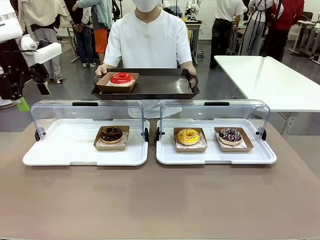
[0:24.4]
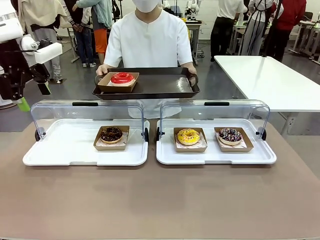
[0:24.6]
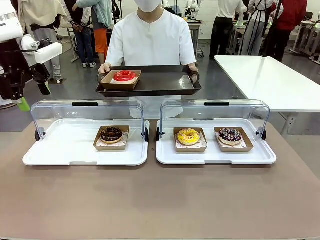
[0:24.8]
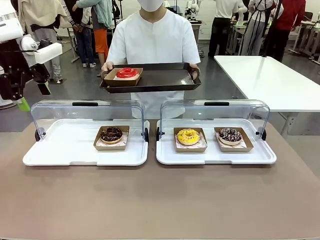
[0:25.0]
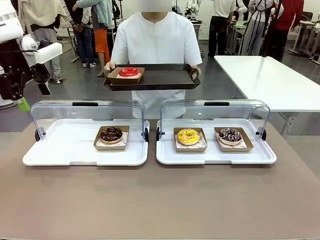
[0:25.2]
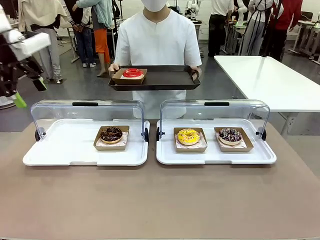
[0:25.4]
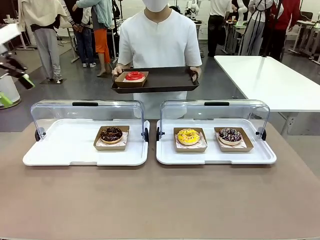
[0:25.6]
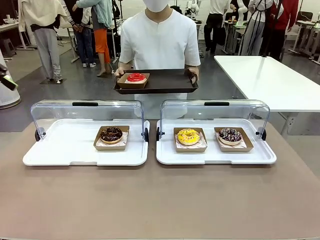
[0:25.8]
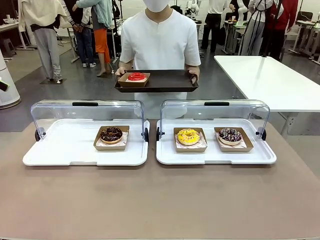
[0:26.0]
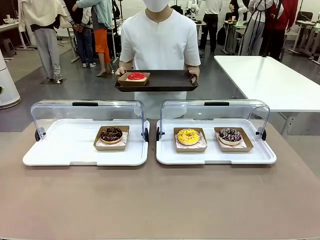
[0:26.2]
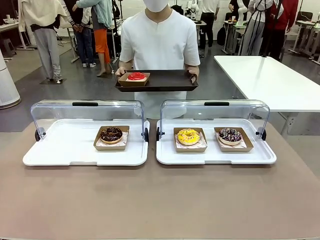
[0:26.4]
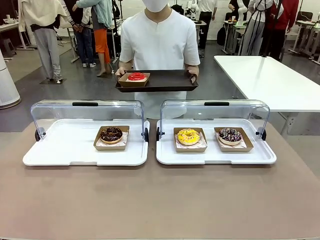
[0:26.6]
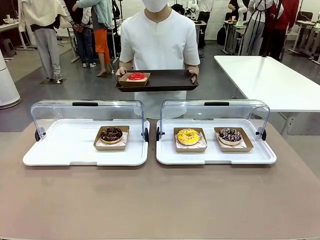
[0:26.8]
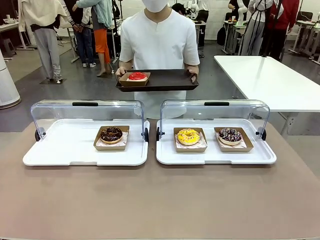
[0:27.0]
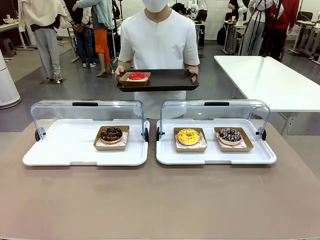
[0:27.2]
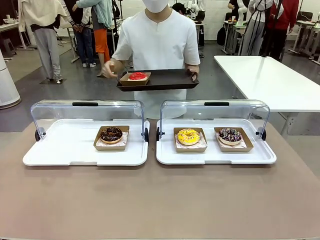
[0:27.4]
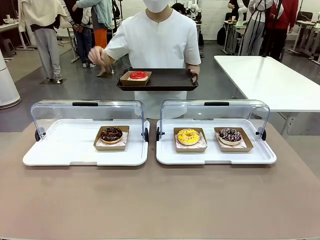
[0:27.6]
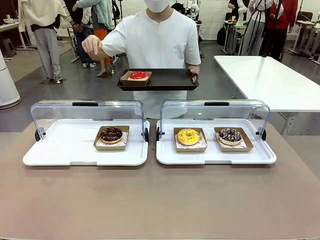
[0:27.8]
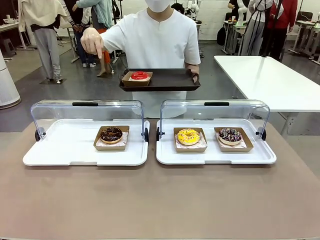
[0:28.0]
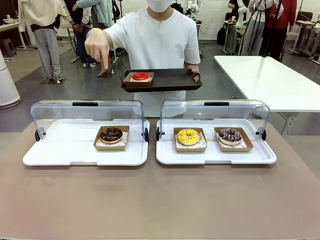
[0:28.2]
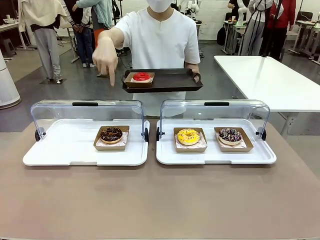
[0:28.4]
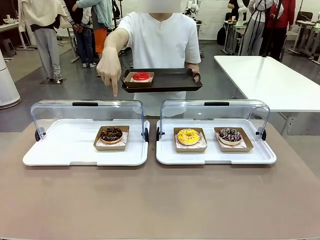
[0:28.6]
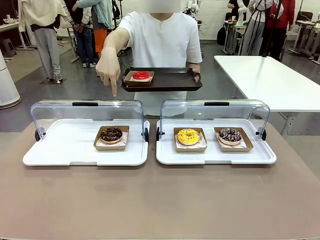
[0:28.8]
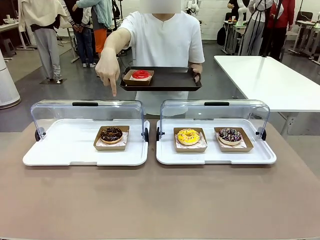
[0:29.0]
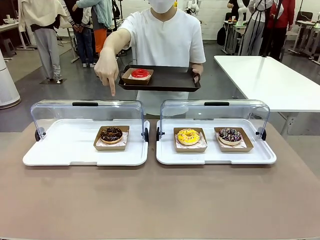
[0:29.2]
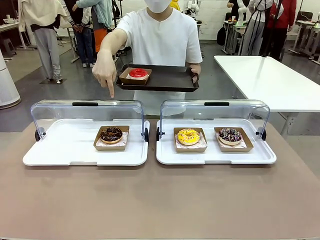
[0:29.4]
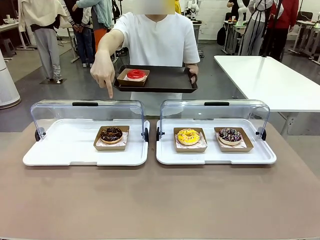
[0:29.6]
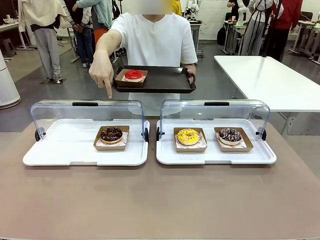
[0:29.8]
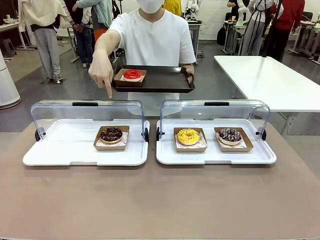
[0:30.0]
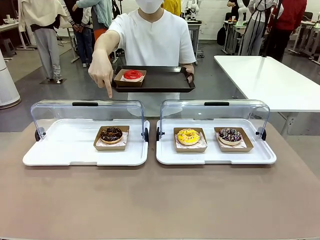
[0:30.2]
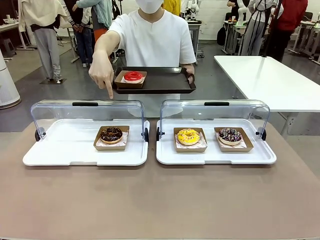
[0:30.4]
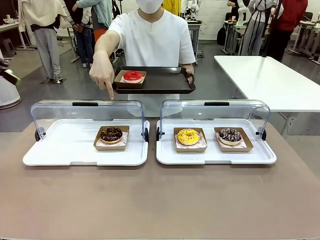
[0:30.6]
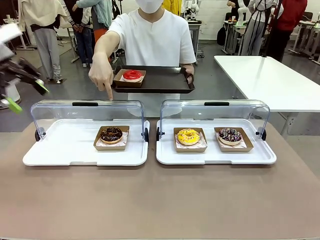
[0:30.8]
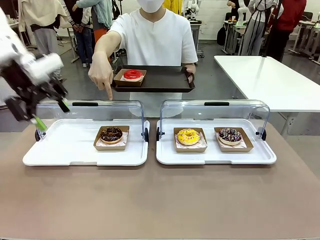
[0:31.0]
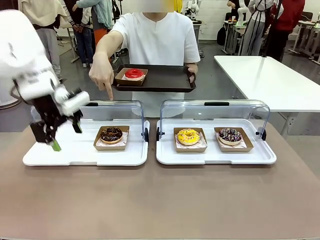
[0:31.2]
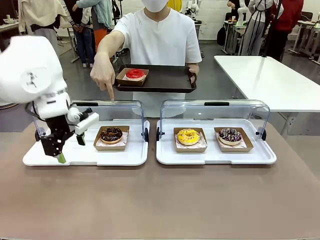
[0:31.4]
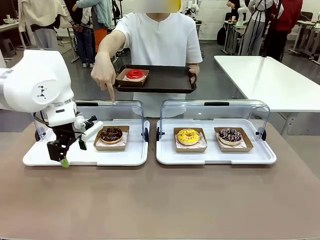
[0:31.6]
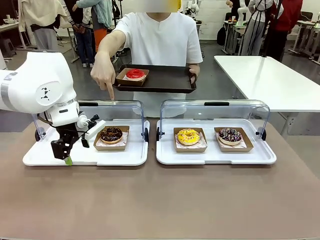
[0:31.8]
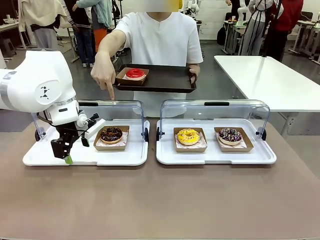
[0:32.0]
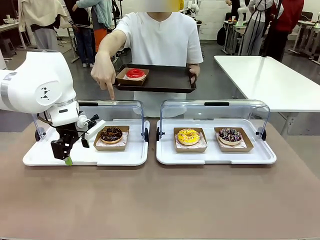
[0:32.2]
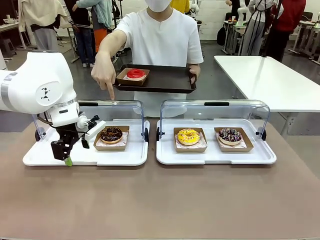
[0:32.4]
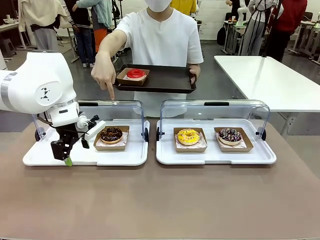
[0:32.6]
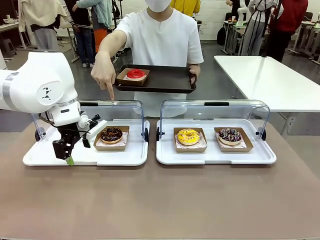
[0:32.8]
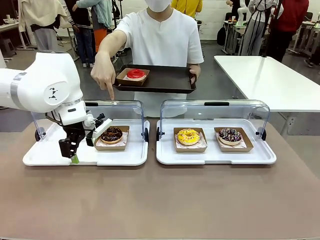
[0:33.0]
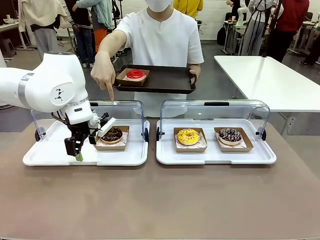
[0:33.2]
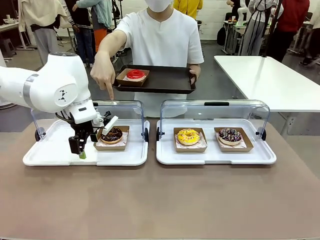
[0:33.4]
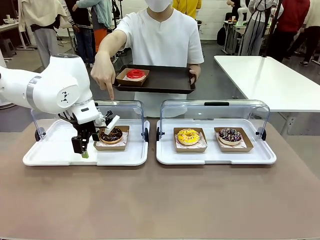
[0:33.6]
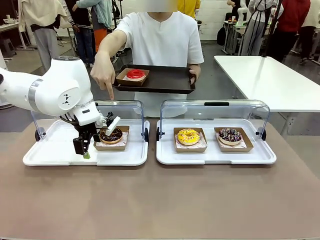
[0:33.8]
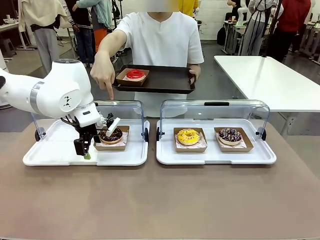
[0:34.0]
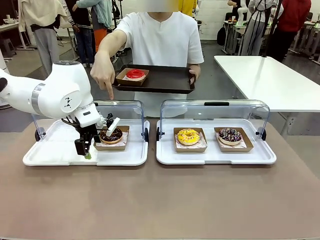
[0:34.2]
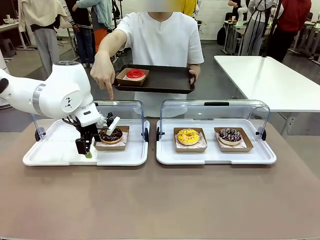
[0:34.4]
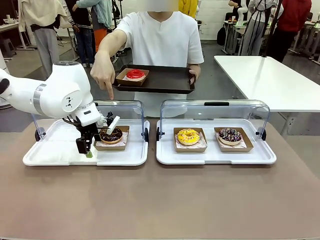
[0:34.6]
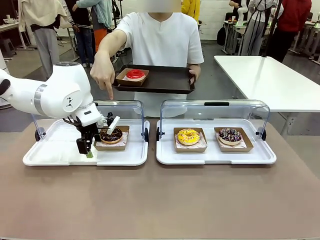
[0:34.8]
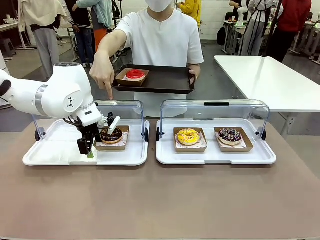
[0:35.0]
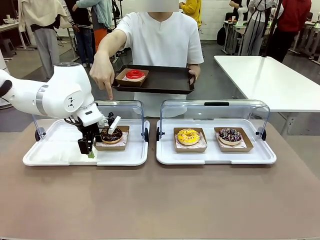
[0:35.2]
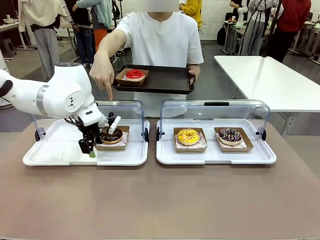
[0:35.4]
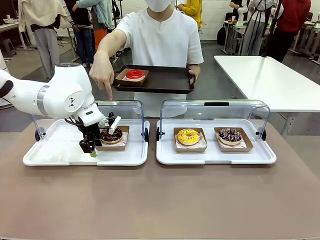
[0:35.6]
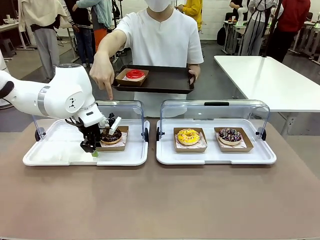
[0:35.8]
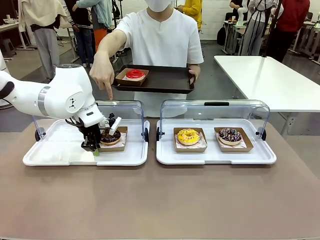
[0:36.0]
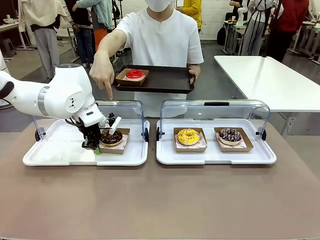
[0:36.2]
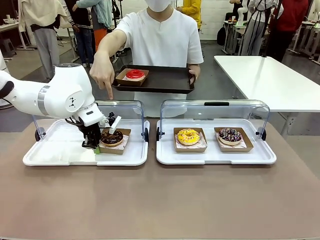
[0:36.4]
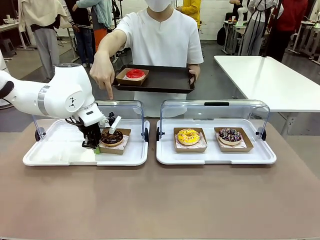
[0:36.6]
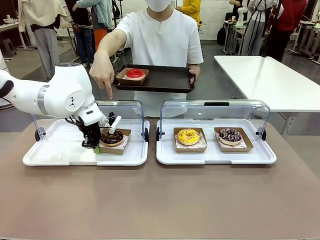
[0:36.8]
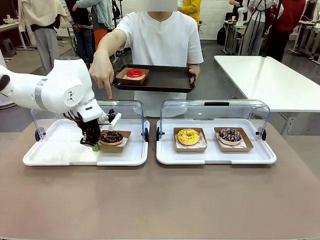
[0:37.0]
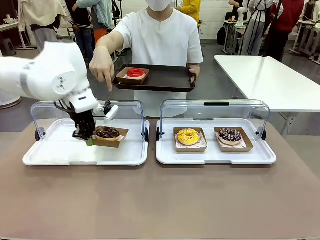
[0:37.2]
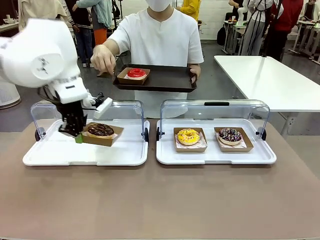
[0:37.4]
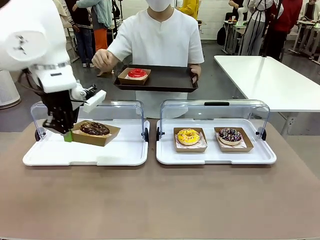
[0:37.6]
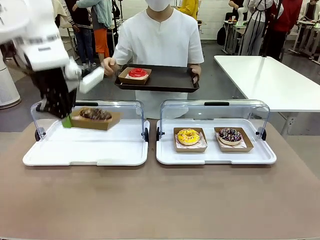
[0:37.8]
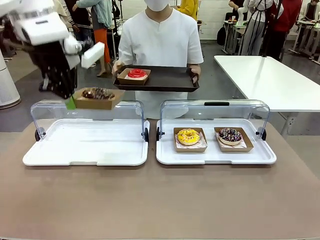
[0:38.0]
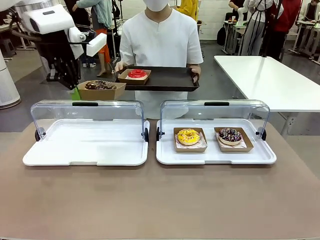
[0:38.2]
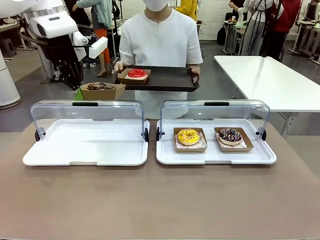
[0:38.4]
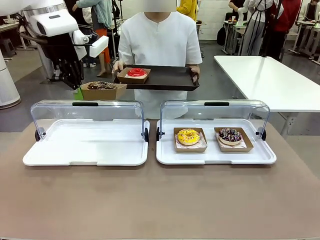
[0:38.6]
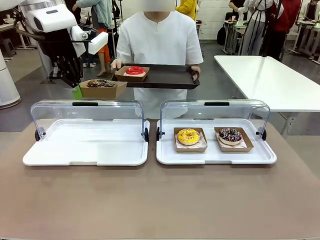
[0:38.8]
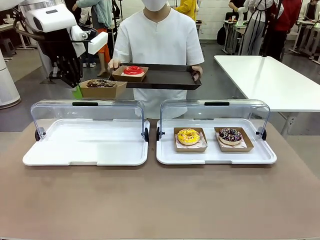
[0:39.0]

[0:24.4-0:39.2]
Task: Provide the desired donut to the person.
Robot: Pick up and lift the Paper togo box containing the Donut pointed at by the person.
Person: Point to one donut. Lift the tray onto the Roll-Top Bakery Case.

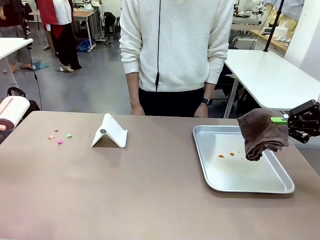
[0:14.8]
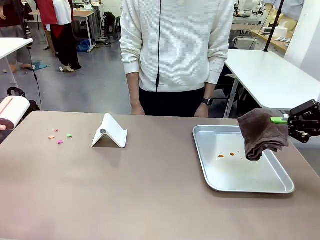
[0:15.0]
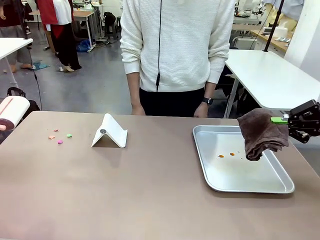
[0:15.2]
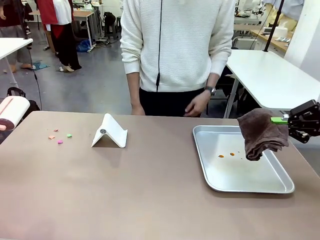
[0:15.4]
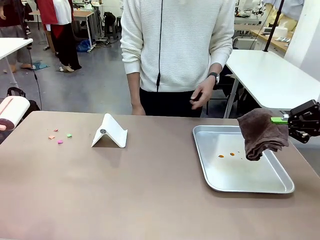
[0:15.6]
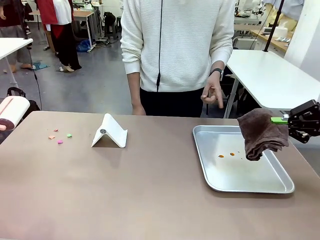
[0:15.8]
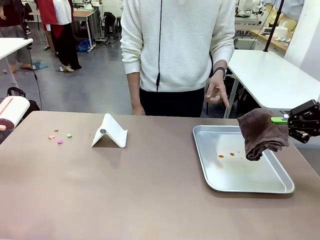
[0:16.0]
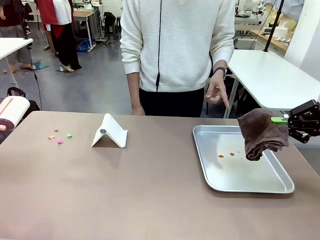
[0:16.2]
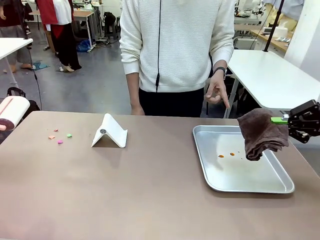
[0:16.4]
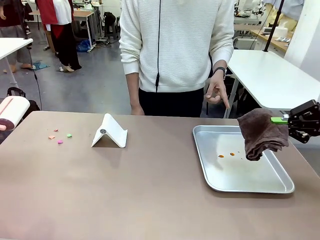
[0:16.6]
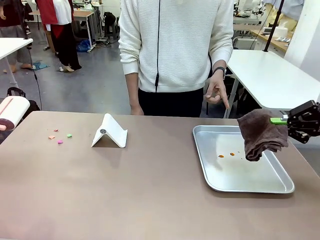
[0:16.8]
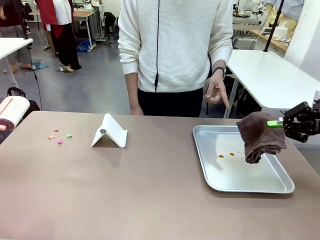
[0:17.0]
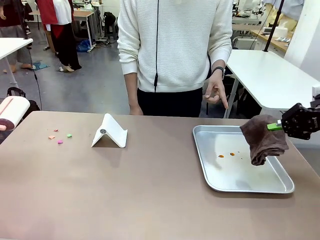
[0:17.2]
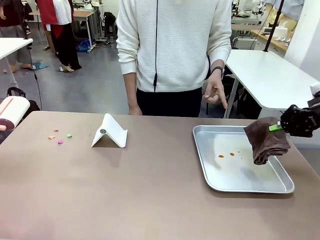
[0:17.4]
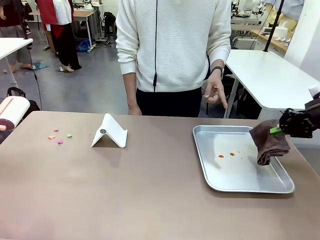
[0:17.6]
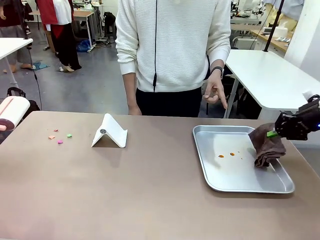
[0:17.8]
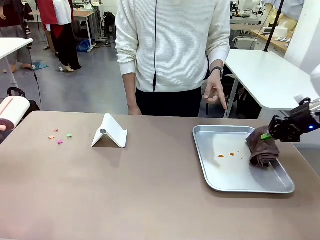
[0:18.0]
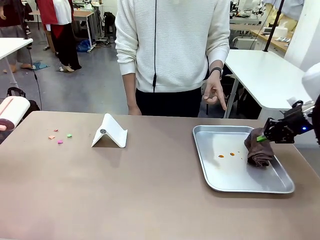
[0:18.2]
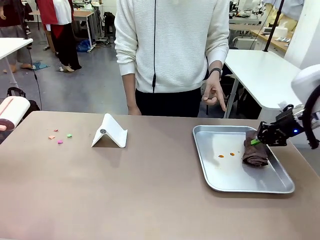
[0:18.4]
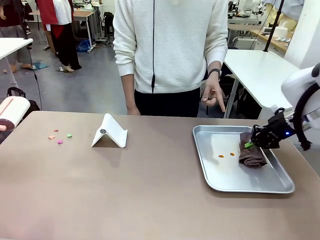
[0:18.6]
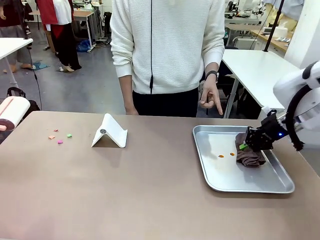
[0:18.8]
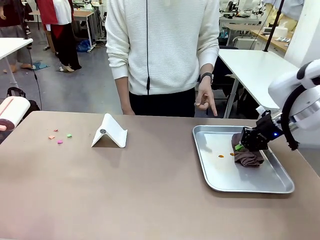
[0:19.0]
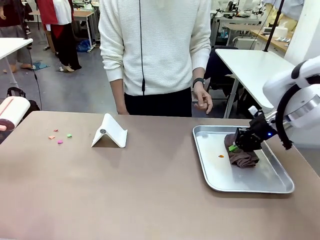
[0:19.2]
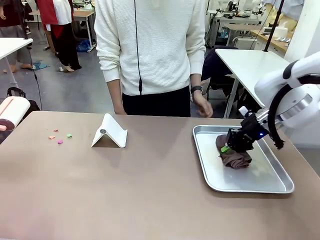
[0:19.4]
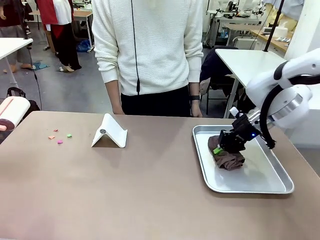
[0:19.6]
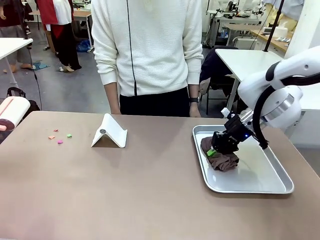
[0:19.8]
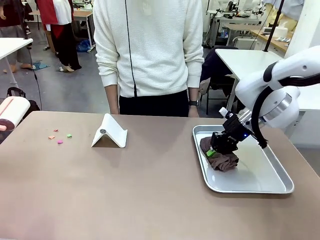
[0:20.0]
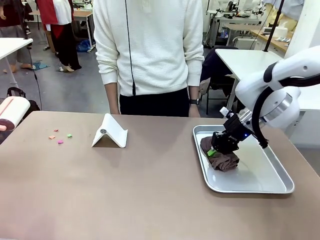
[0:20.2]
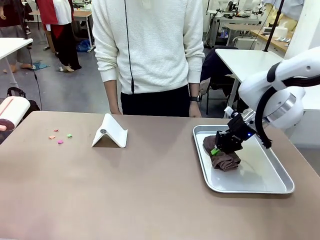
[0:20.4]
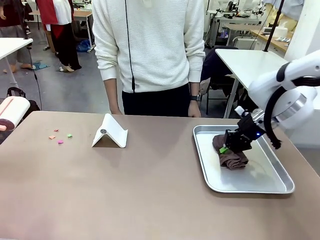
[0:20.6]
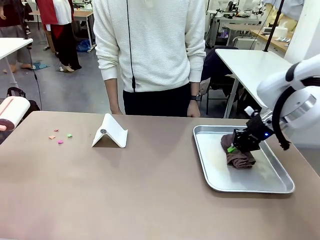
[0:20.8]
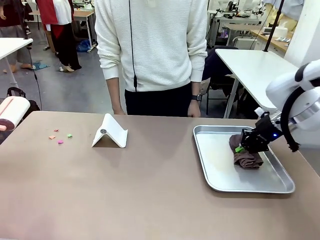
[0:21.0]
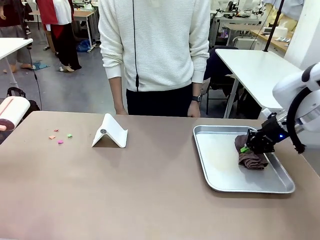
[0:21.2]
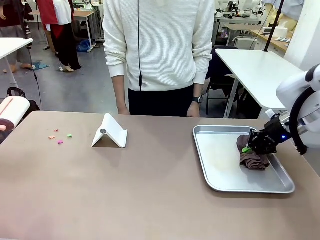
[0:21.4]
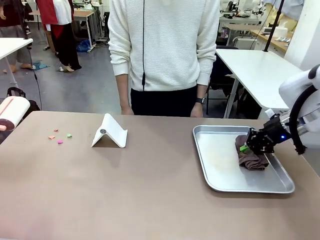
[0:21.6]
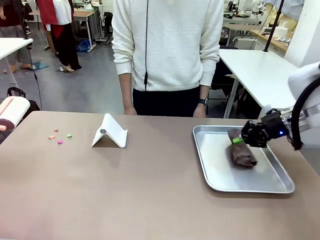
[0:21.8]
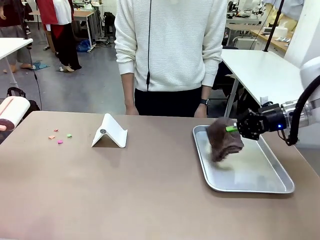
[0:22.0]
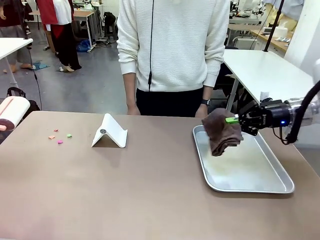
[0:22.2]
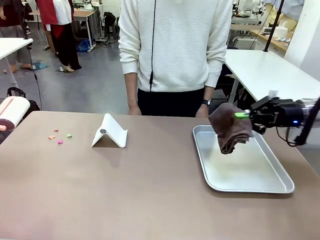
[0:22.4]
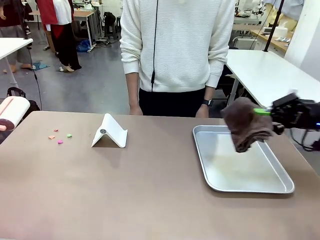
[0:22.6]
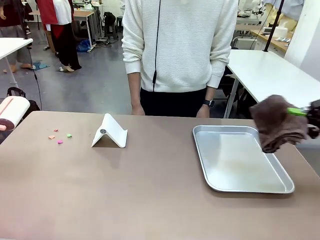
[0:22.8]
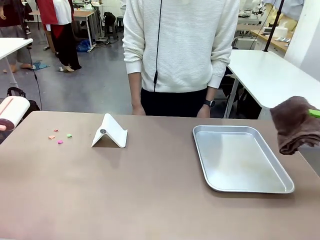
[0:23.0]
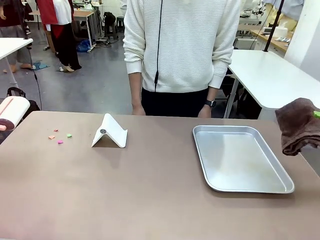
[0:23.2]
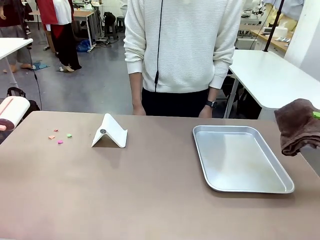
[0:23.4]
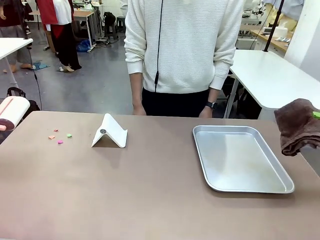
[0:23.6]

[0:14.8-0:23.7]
Task: Clean the surface of the table.
Robot: If a person points to the right, clean the right side of the table with your right hand, and if they point to the left, clean the left side with your left hand.
